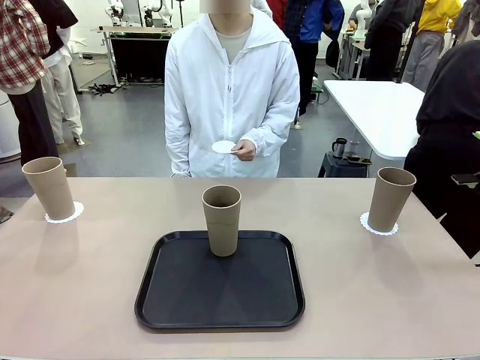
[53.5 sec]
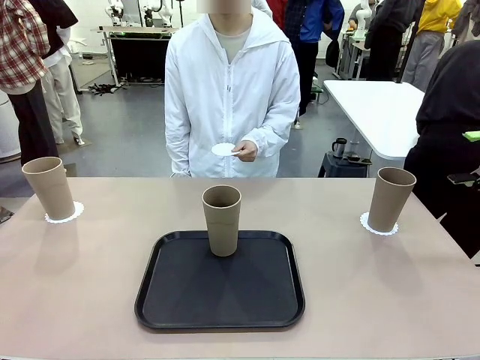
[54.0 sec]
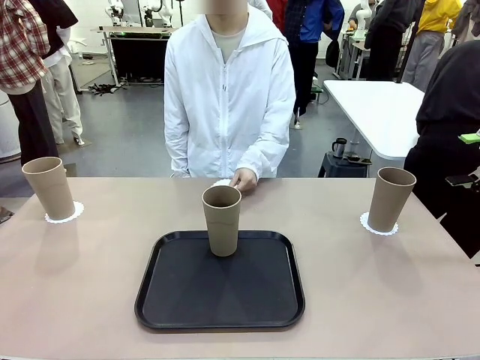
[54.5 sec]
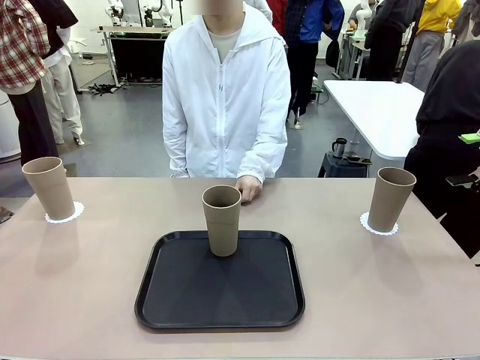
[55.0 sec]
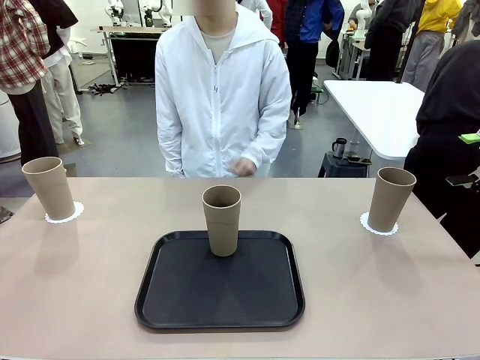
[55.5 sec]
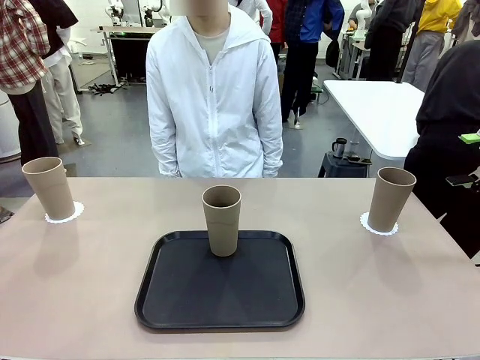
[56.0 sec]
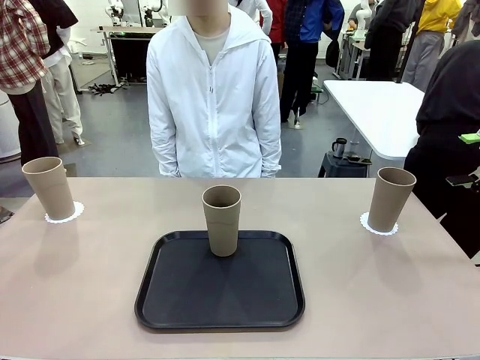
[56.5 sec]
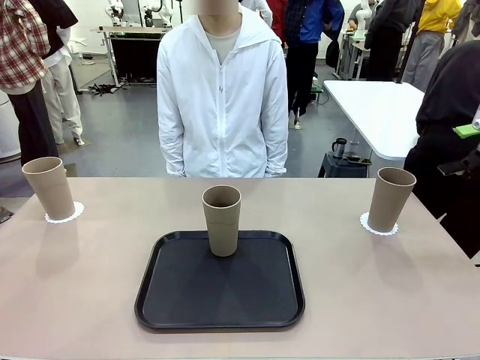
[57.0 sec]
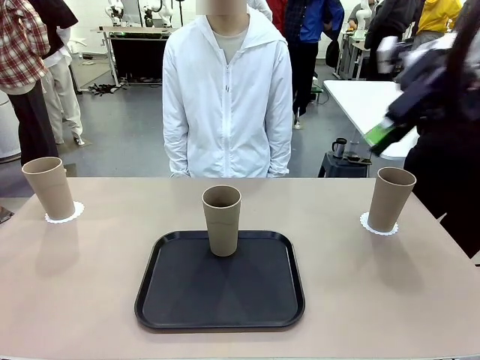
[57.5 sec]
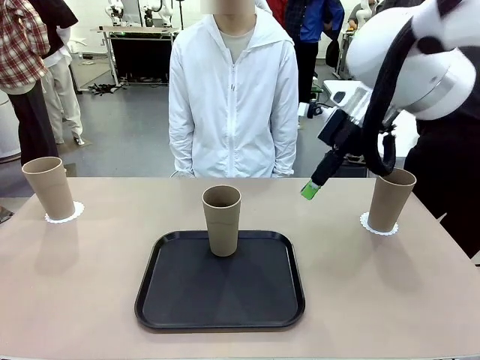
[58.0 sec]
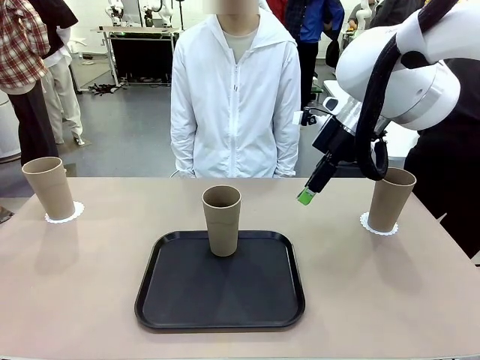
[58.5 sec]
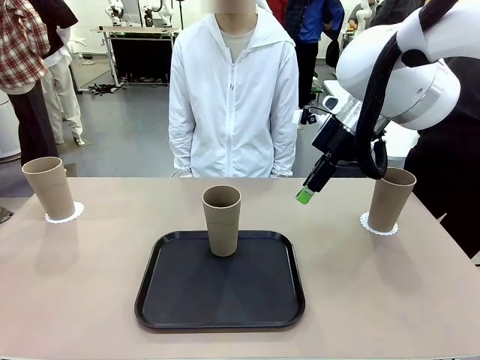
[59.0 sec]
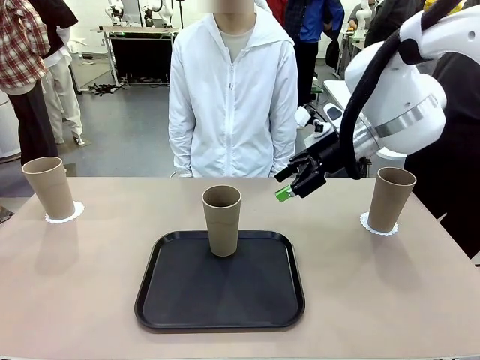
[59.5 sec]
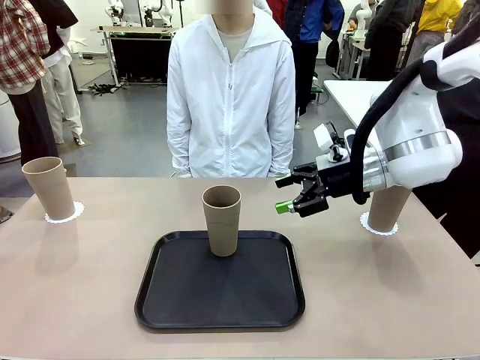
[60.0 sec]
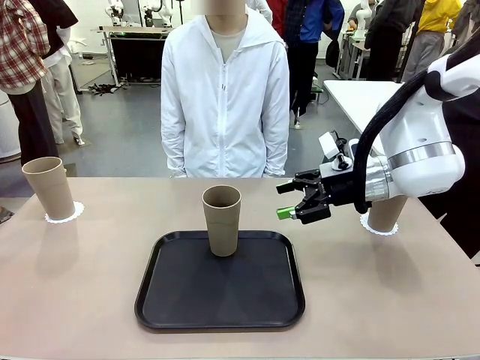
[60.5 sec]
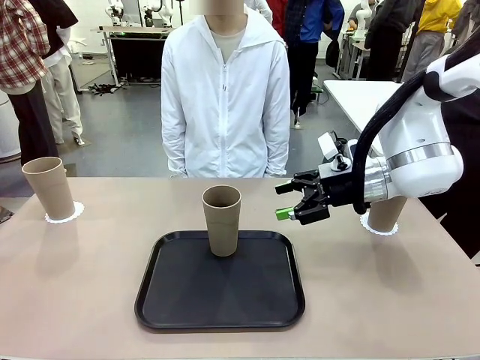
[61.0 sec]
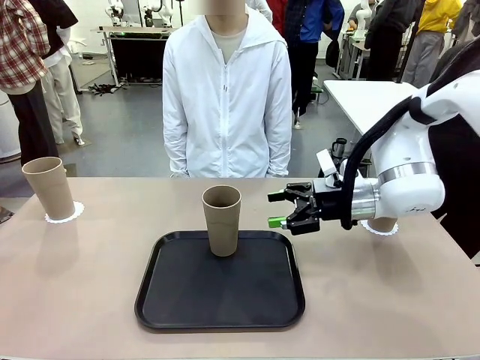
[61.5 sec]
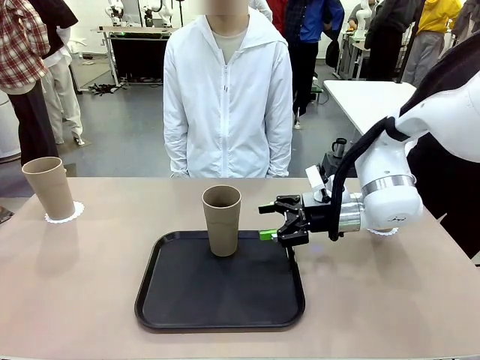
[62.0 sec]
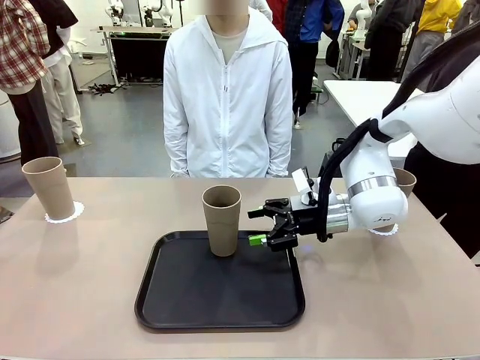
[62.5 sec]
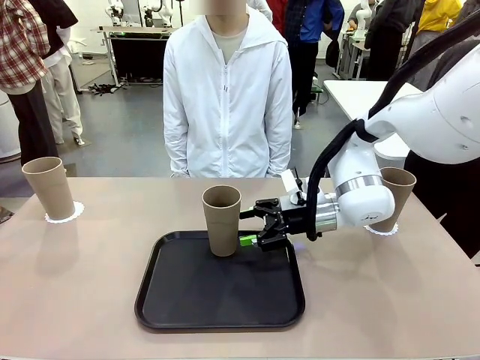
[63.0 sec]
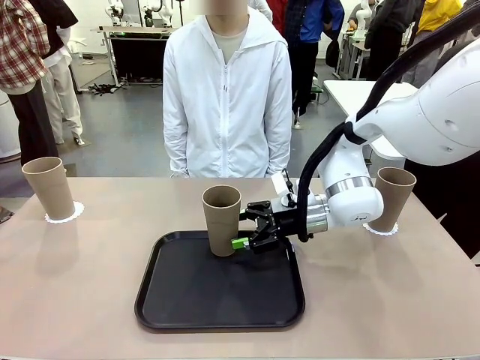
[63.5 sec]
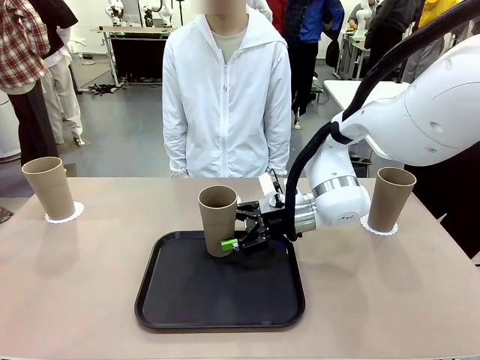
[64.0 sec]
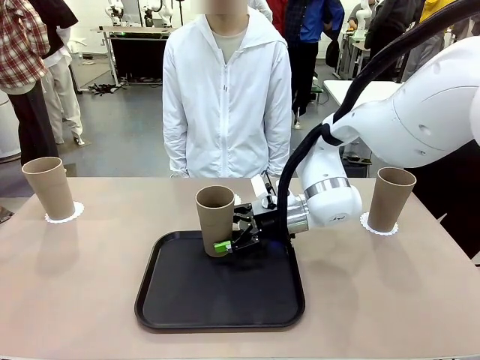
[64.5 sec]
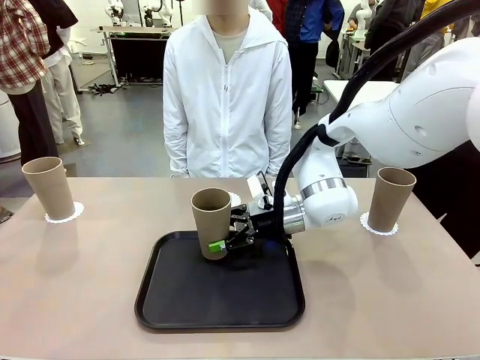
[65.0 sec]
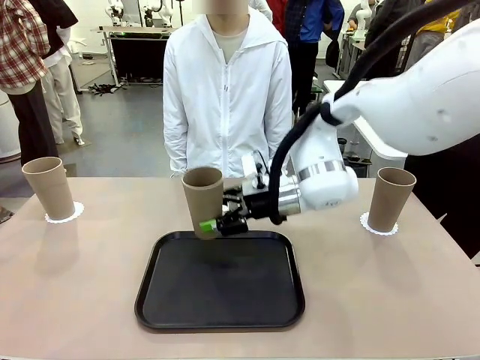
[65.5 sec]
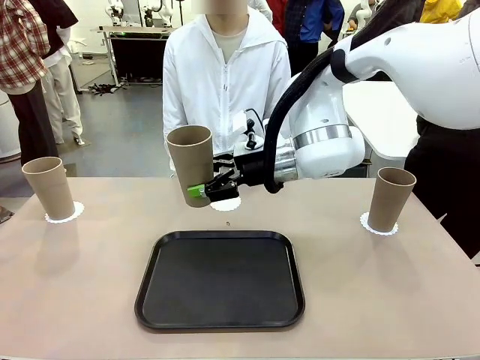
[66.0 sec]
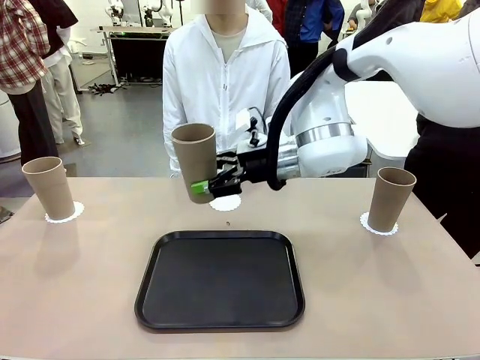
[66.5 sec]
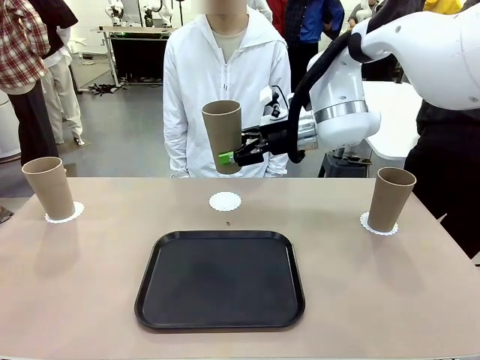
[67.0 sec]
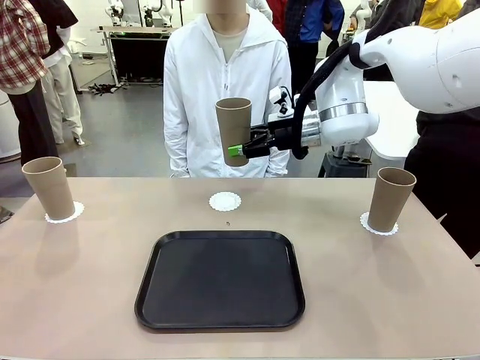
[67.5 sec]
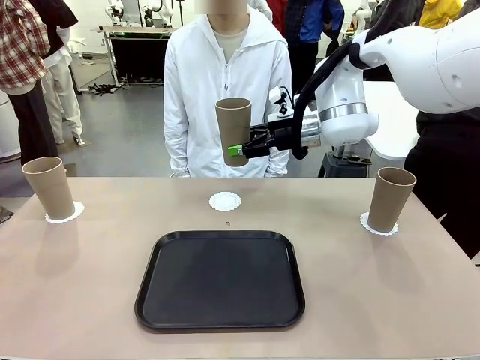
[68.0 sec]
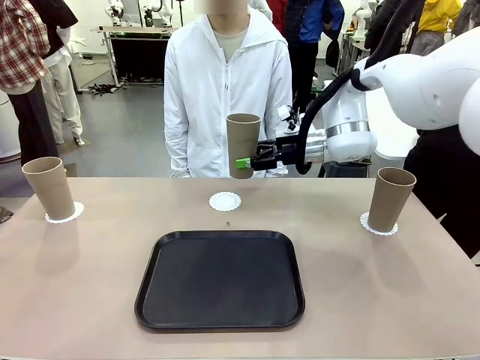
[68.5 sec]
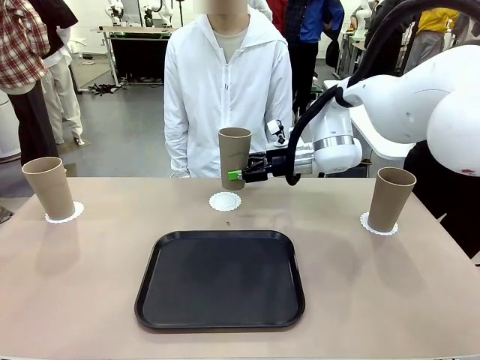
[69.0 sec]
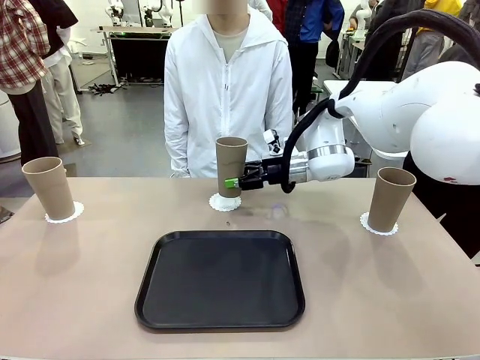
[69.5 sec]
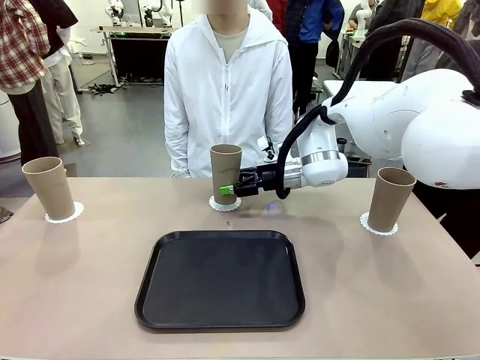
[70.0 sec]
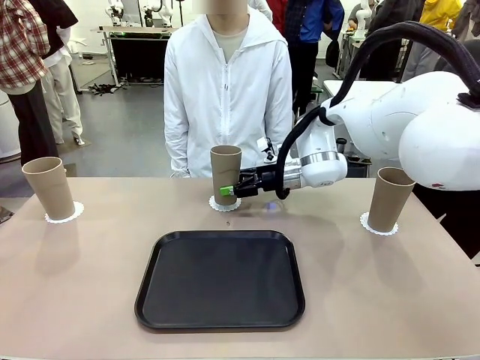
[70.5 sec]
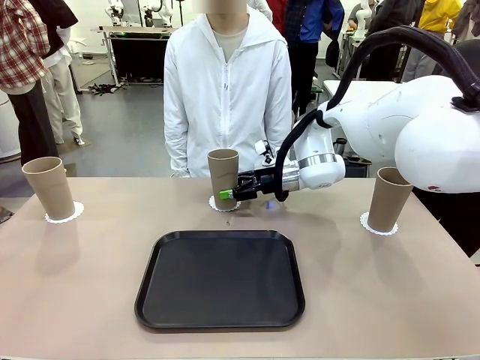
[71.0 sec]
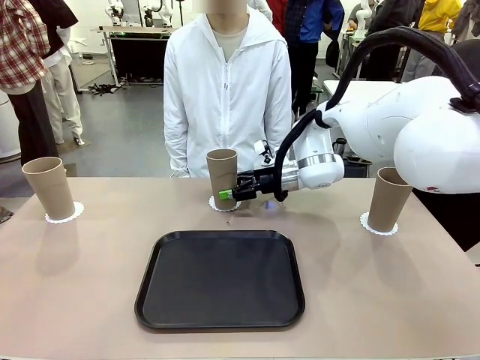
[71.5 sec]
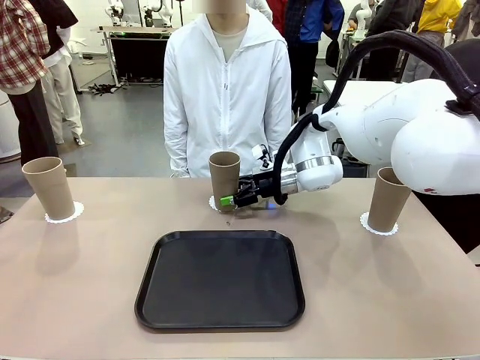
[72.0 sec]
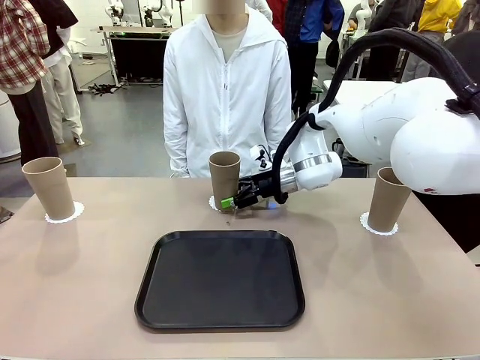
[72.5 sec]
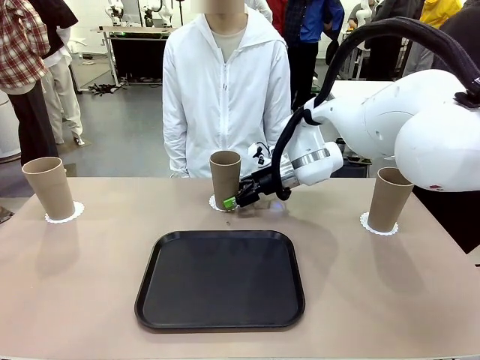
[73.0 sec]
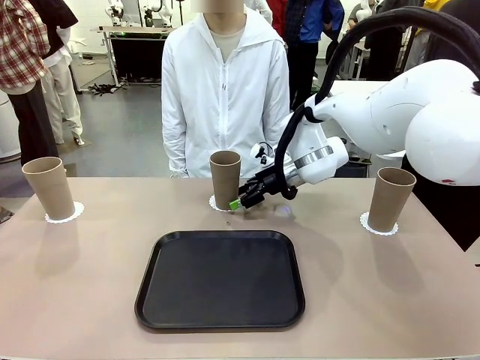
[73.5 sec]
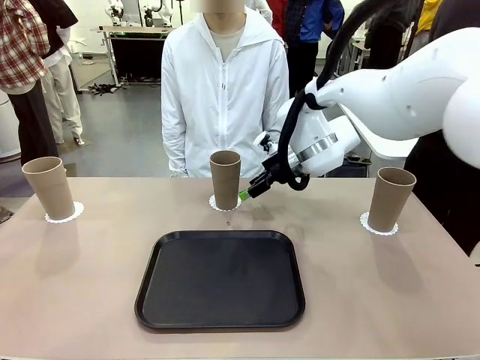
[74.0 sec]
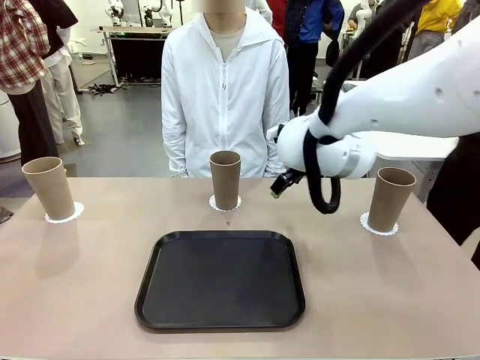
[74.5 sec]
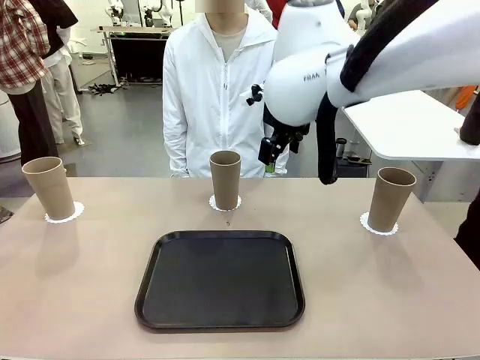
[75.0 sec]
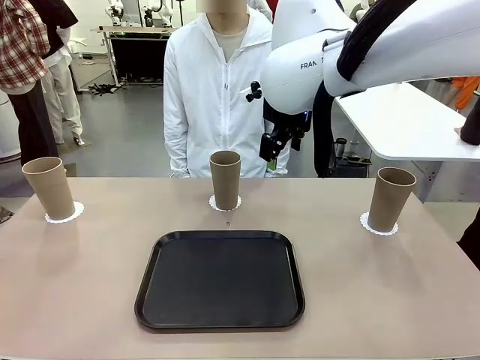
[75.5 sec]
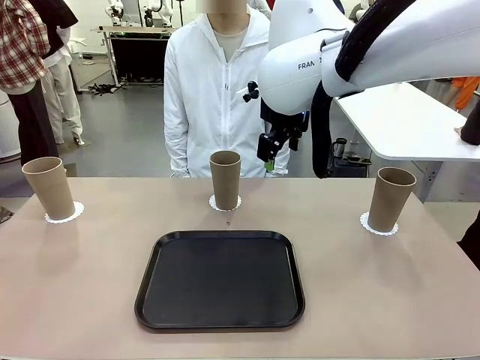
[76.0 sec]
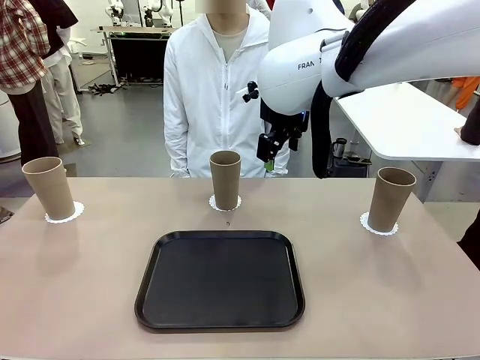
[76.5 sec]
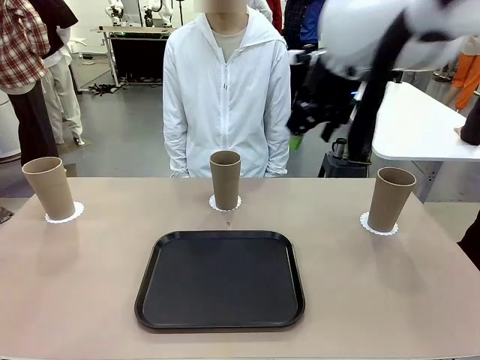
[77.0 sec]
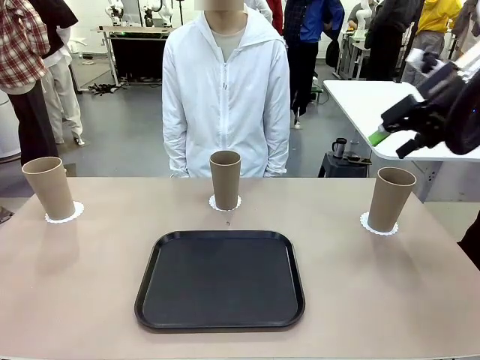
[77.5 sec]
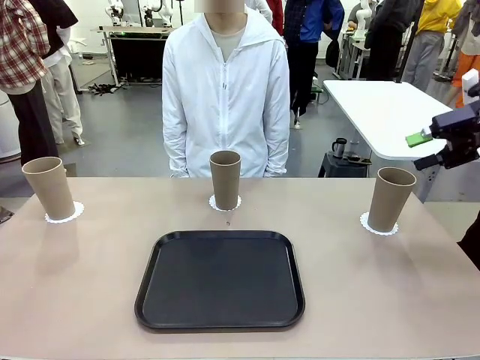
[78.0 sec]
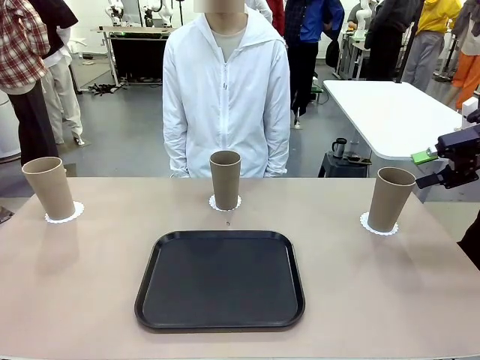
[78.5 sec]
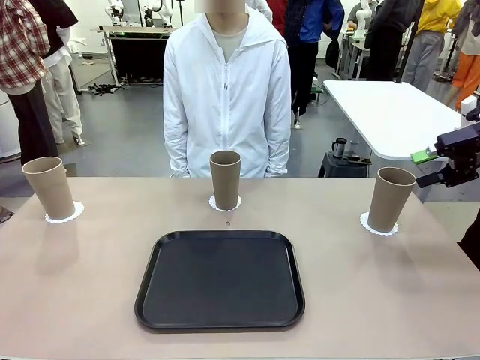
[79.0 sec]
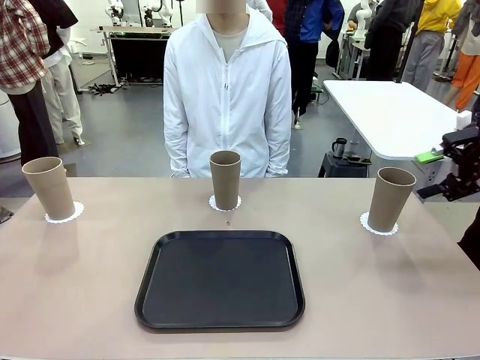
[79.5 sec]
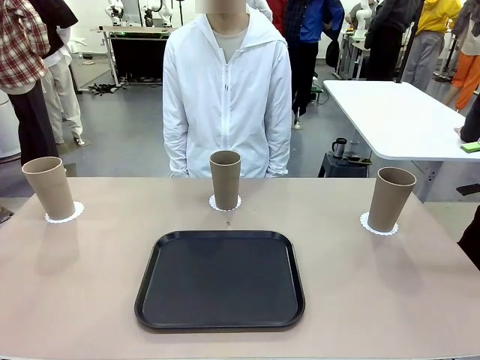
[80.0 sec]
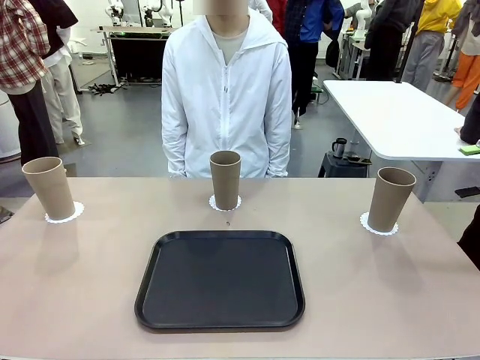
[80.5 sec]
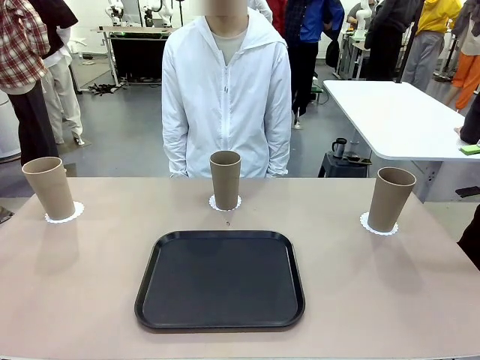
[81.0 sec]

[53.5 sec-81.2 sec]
Task: Place coasters on the table and set cups on them.
Robot: Take one Reusable plastic cup from the Flat Tray and place it on a coaster set by the human.
Person: Place one coaster in the only remaining area.
